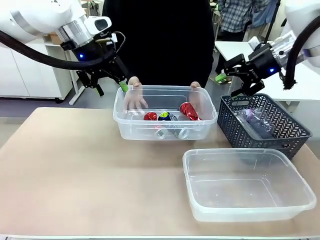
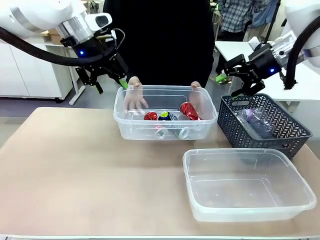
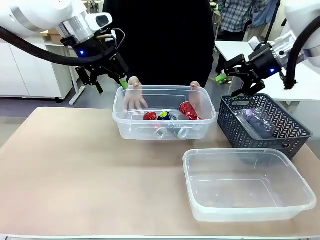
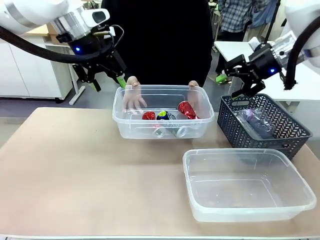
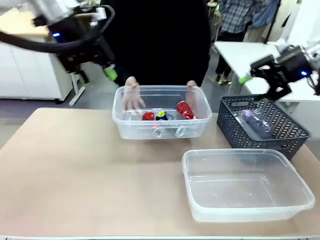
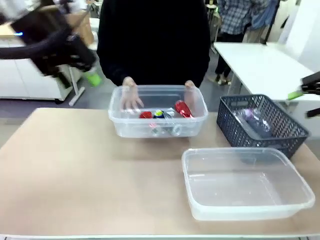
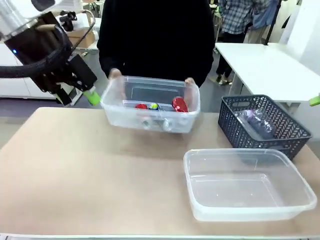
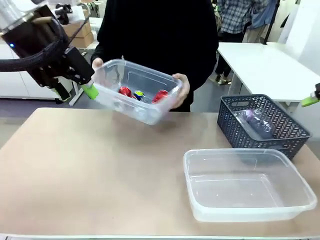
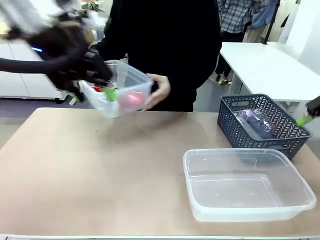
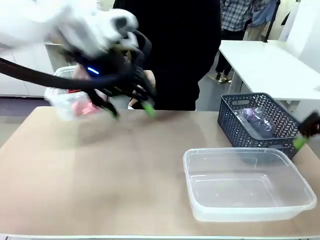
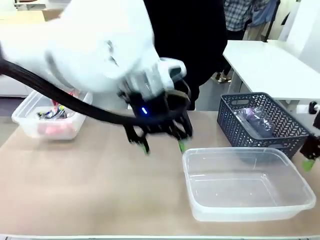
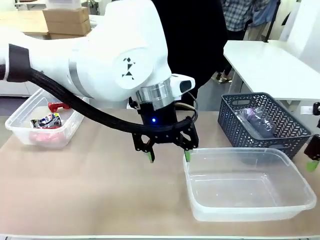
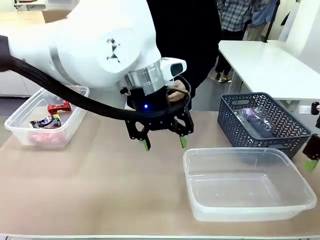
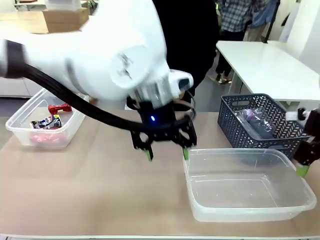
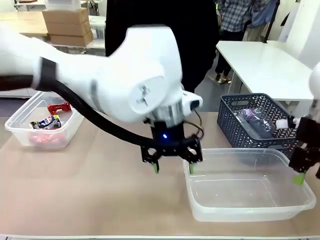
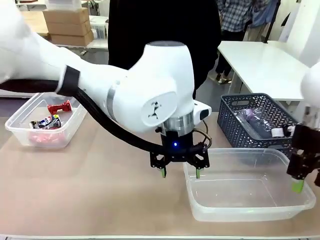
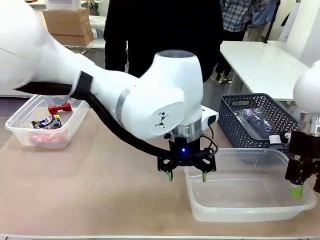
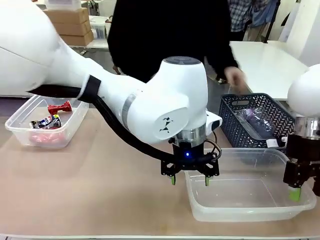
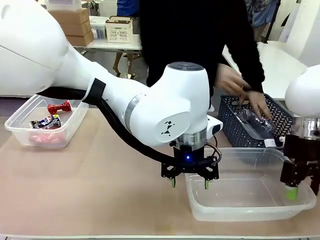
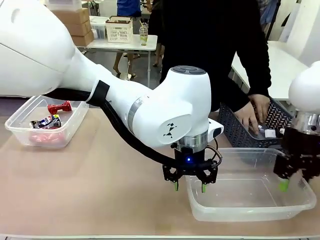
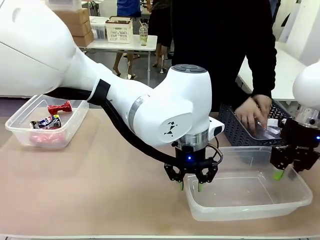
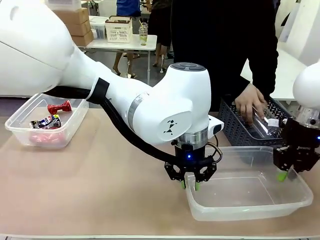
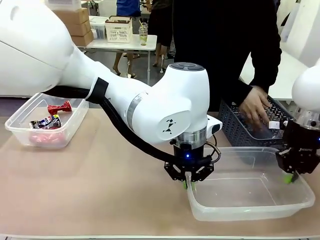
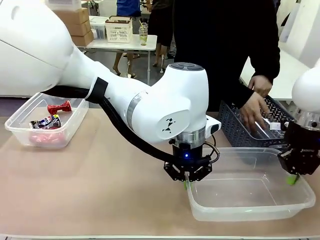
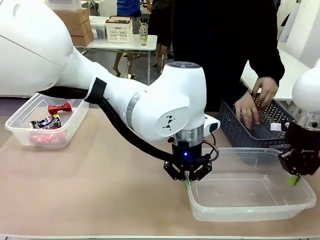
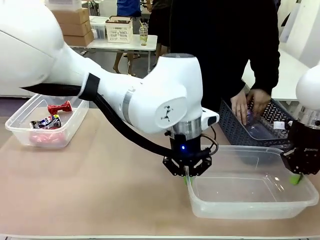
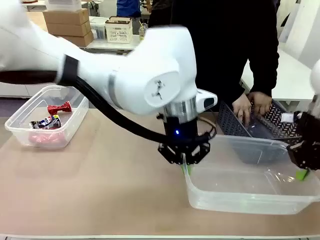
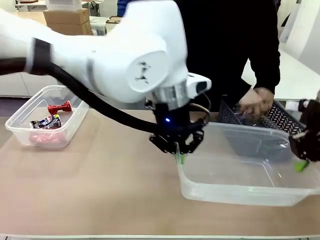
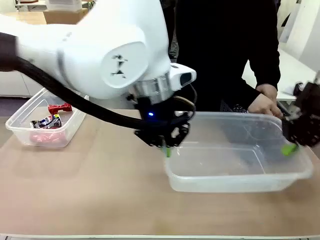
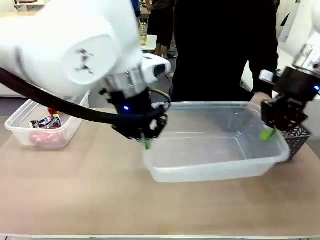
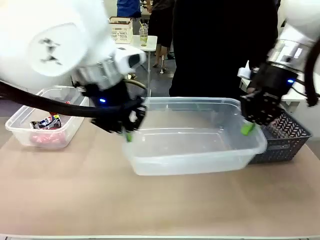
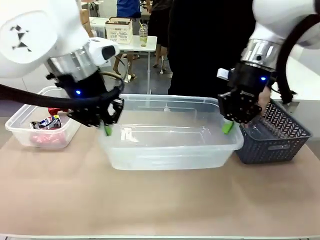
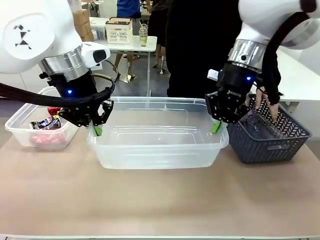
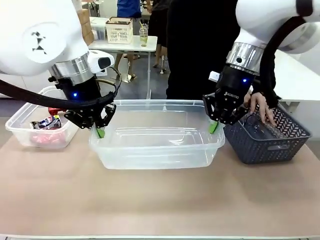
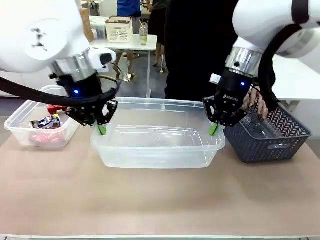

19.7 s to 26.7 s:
Robot: Pick up the Organizing box on the right side of the table and lift it.
Person: Place it at the edge of the bottom right area of the robot table.

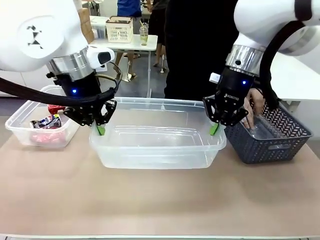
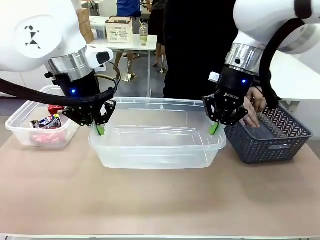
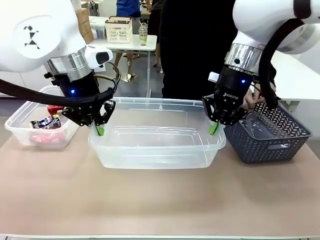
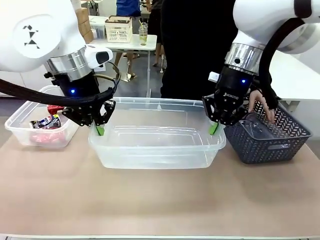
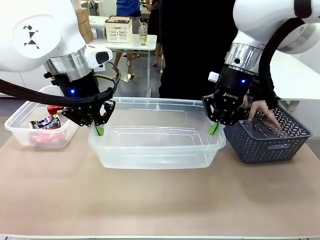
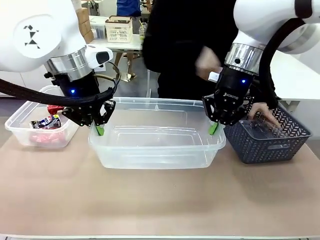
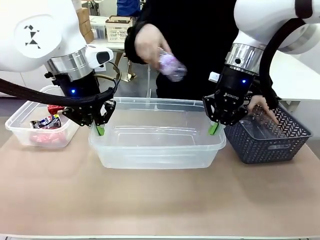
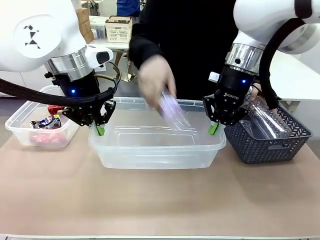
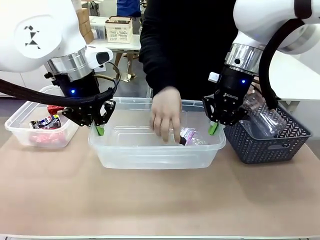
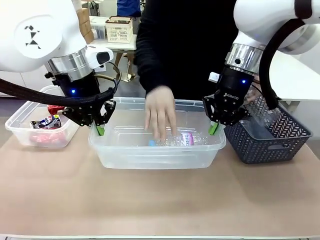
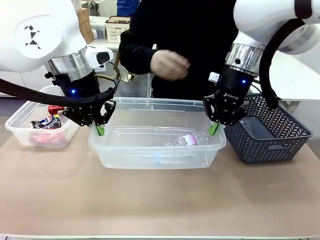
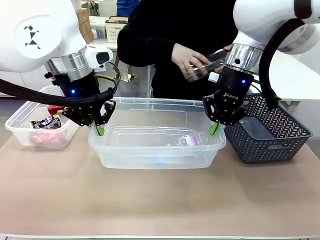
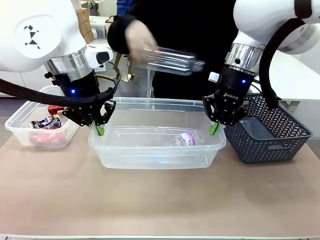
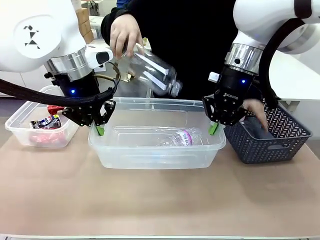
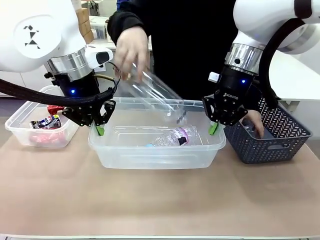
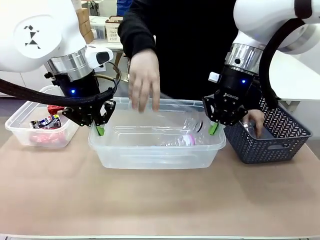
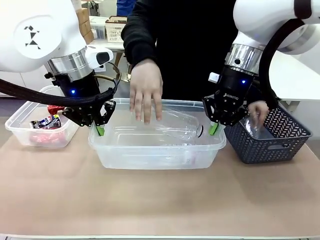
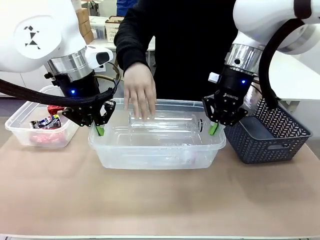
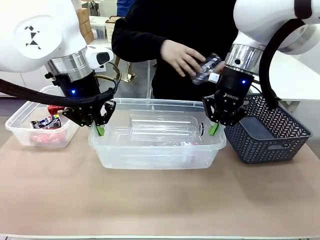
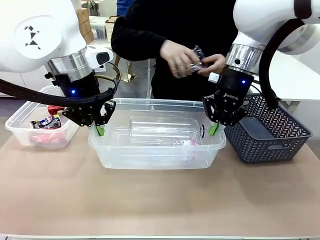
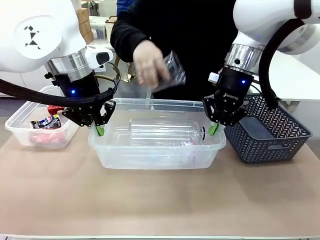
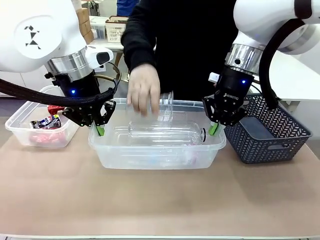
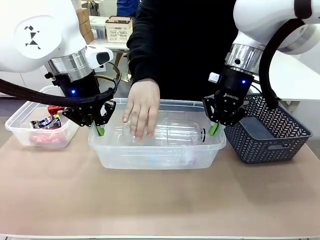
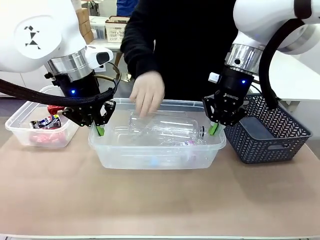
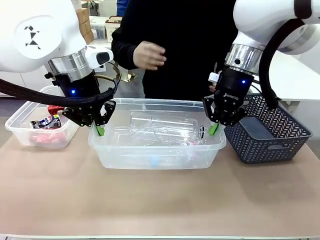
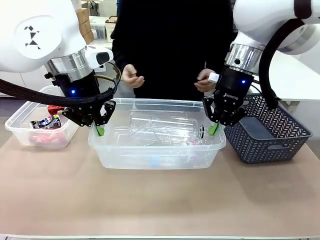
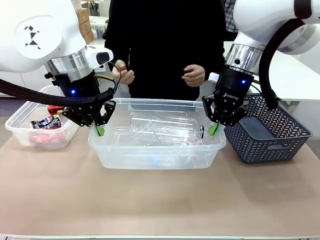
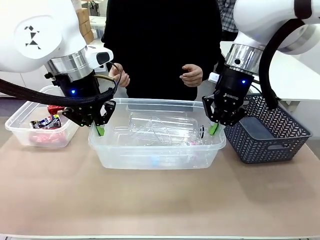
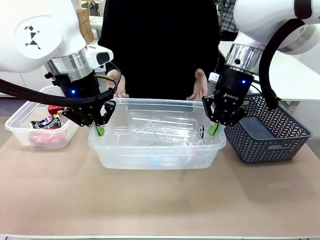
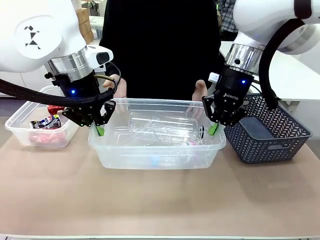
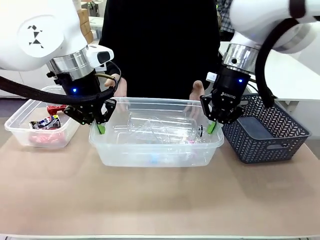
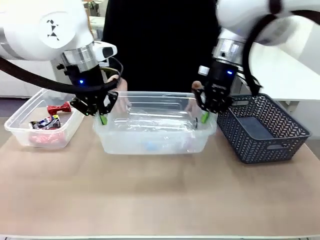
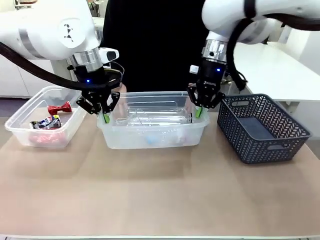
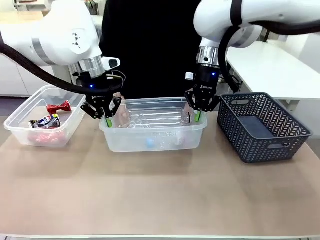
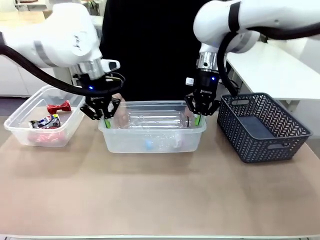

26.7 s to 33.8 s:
Robot: Offer the picked Organizing box to the human.
Person: Pick up plastic waste one by one and place it into the organizing box lifted by the robot.

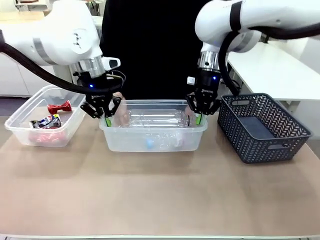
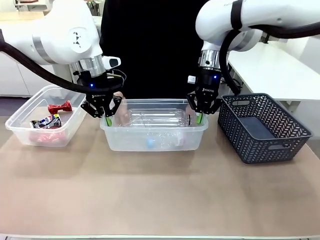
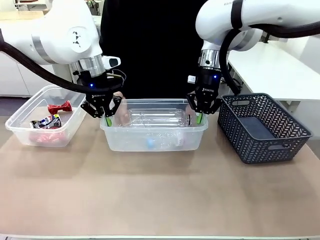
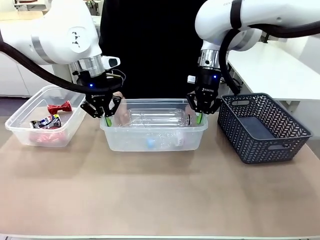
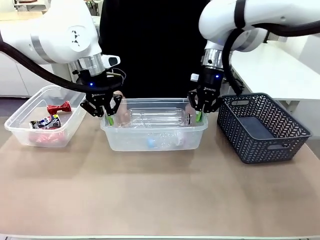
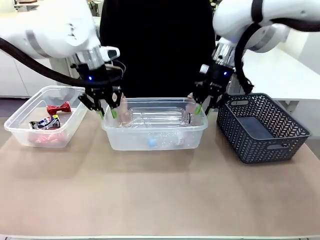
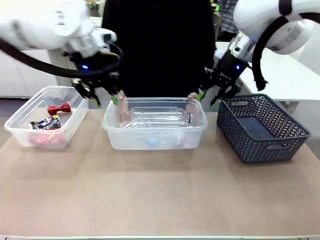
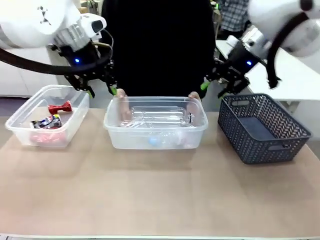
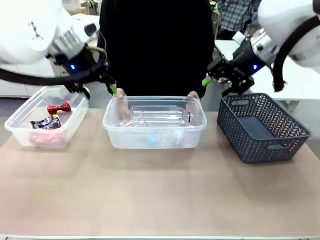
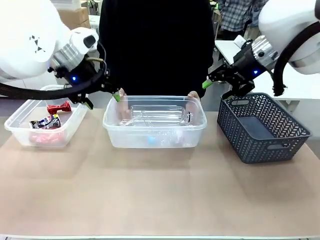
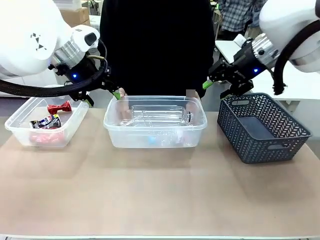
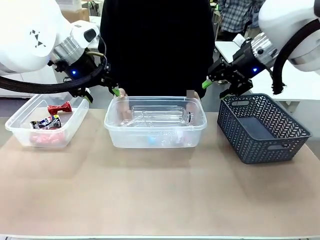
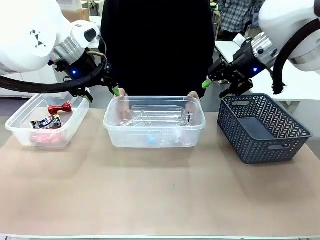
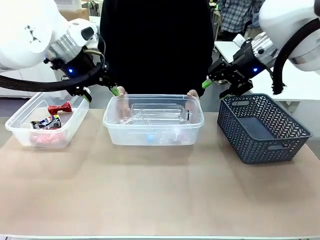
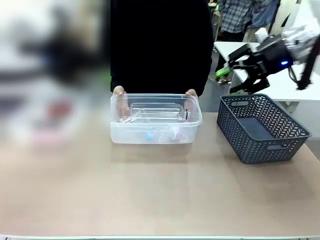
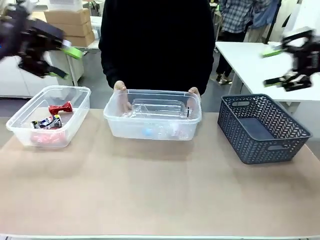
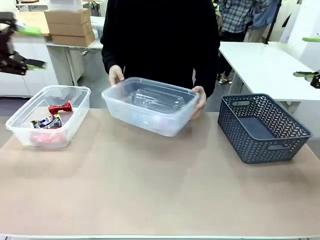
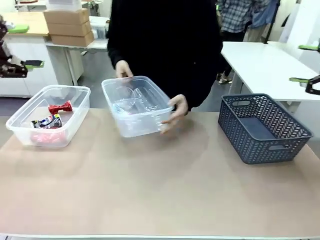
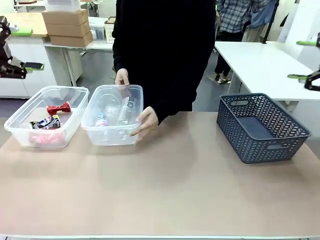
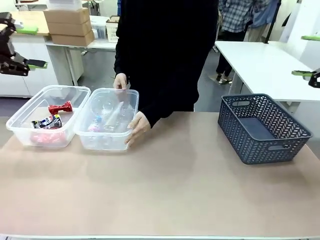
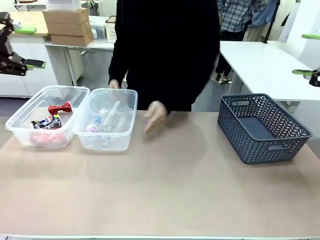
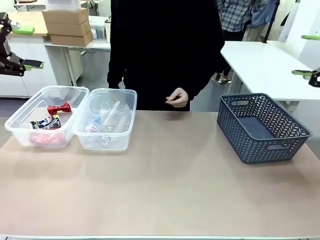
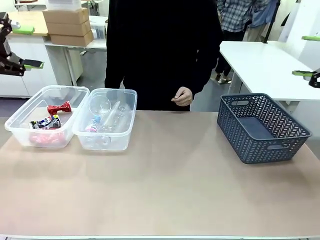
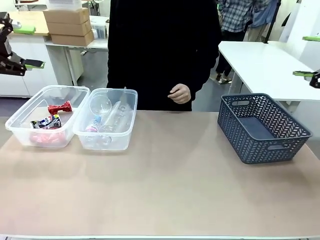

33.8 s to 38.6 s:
Robot: Release the Organizing box you were holding.
Person: Pick up the organizing box extended by the robot. Place the organizing box to the left of the sorting box containing the can waste.
